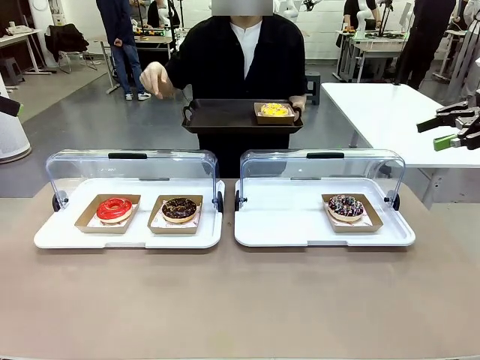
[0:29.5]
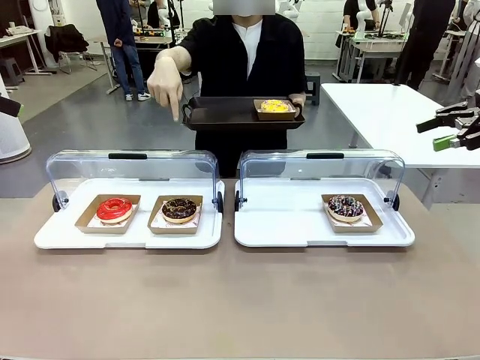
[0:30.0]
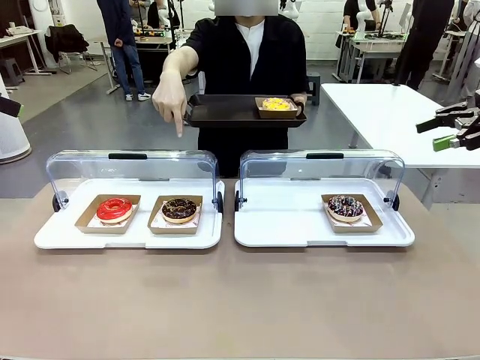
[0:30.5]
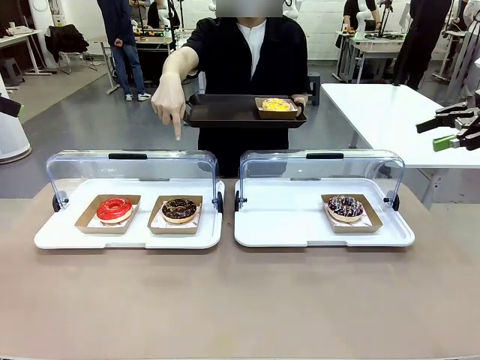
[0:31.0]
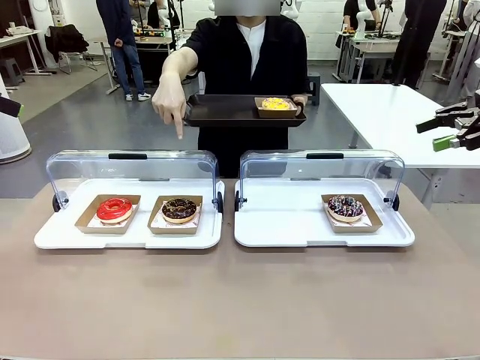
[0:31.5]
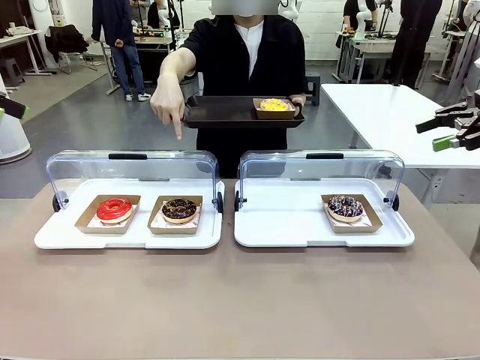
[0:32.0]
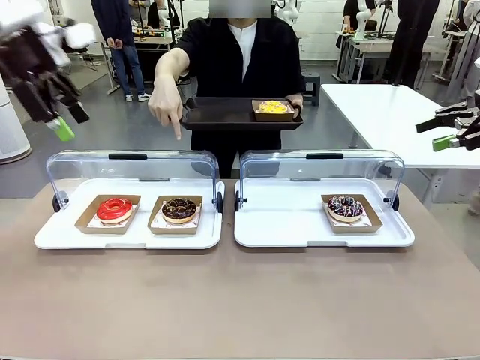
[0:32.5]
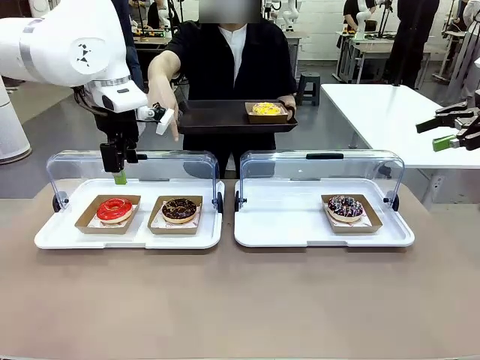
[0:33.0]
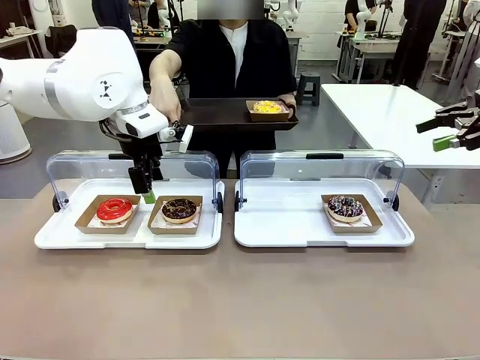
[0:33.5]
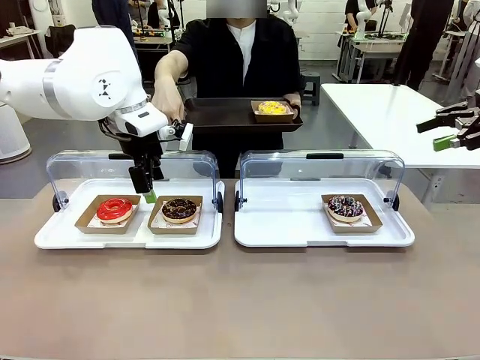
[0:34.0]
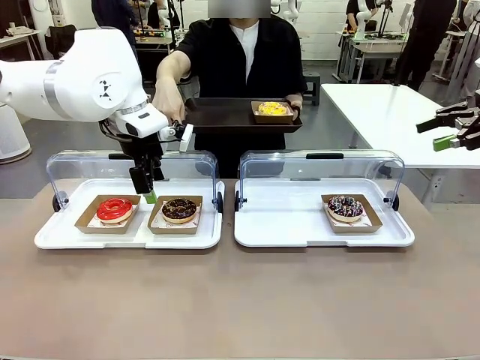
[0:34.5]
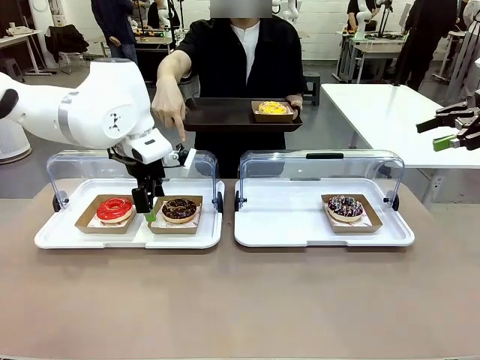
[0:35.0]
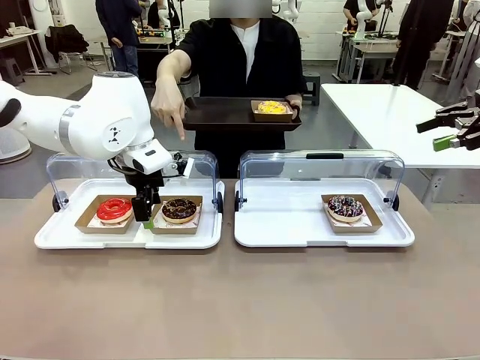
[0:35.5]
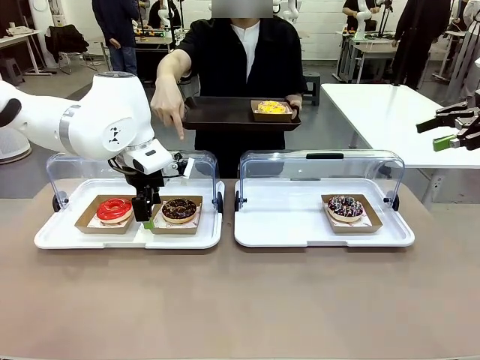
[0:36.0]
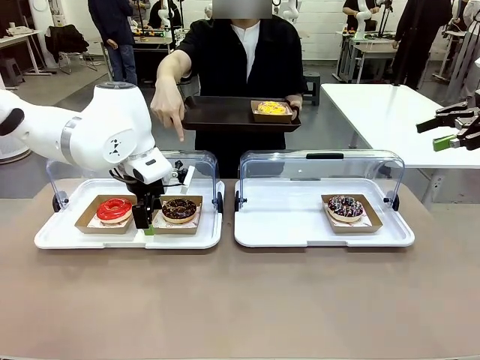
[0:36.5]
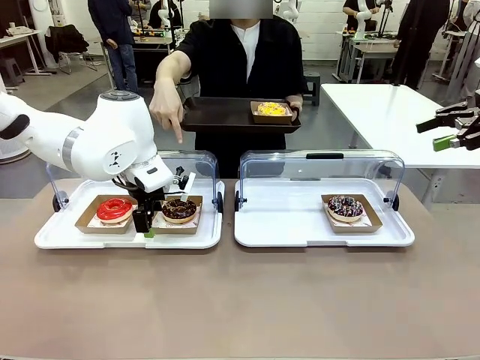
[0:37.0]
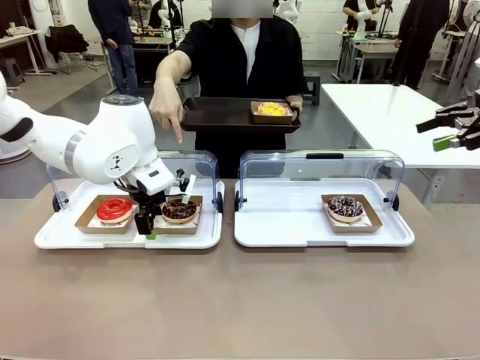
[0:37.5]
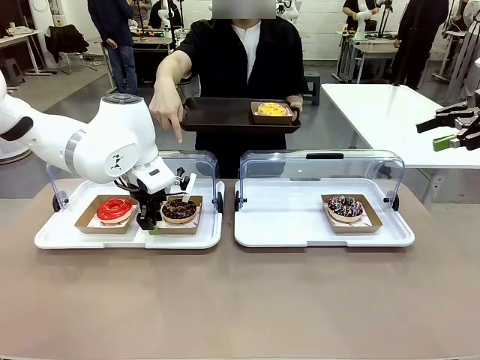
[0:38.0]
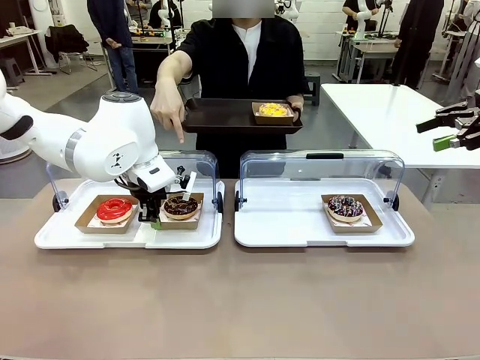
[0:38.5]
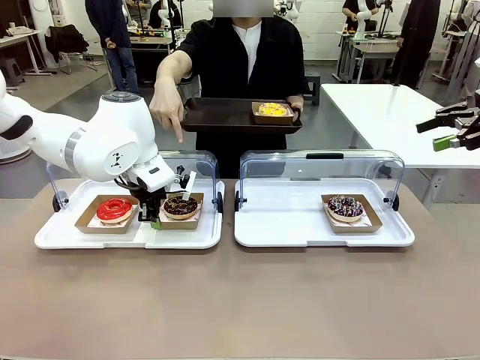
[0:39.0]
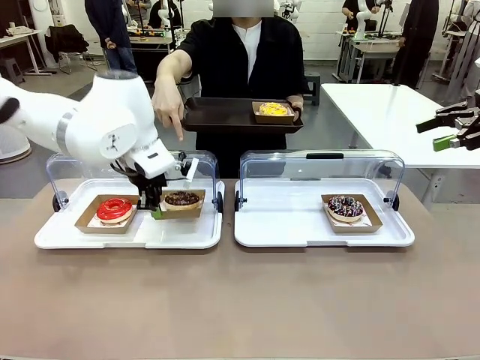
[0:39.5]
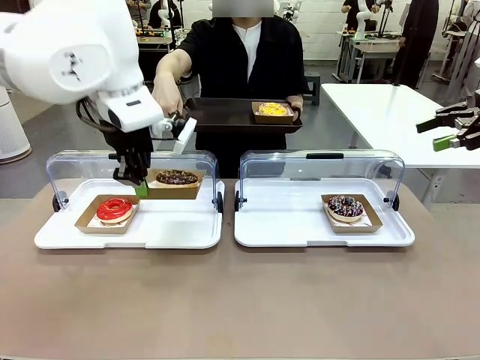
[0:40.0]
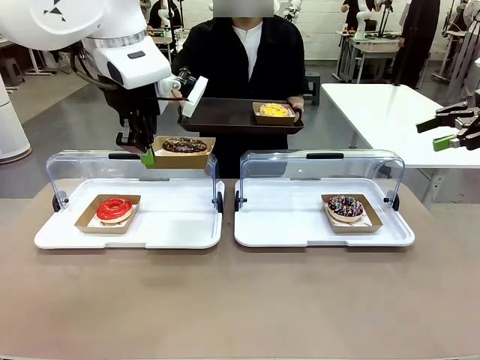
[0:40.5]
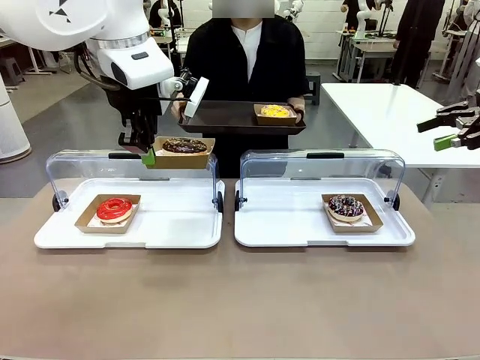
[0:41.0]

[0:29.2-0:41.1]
Task: Provide the desired donut to the person.
Robot: Pick up and lift the Paper togo box containing the Donut pointed at by the person.
Person: Point to one donut. Lift the tray onto the Roll-Top Bakery Case.

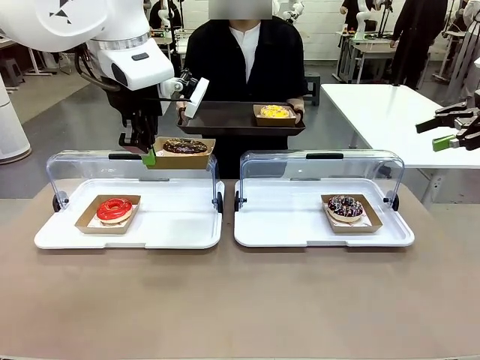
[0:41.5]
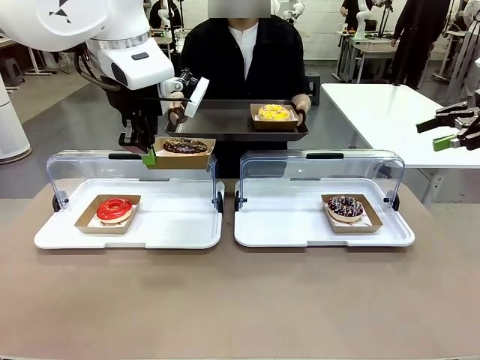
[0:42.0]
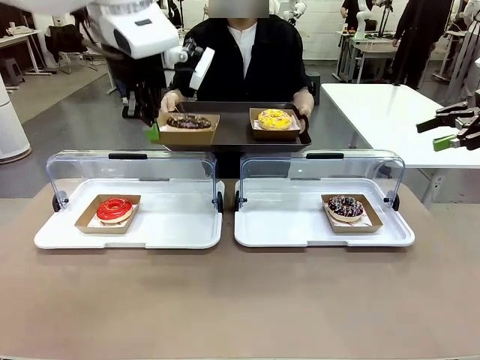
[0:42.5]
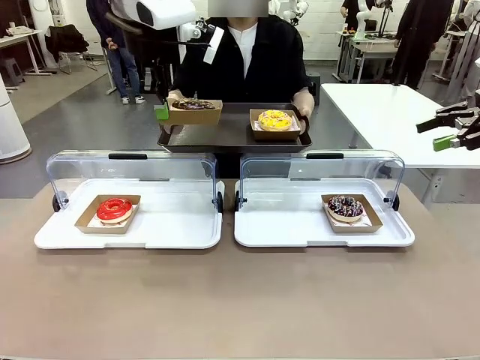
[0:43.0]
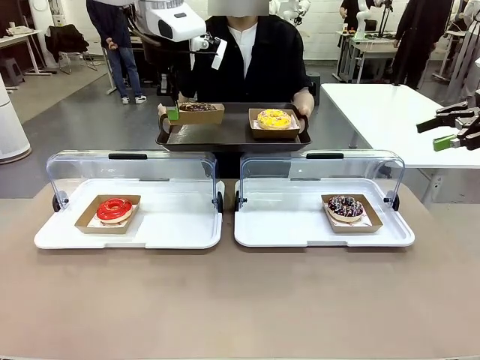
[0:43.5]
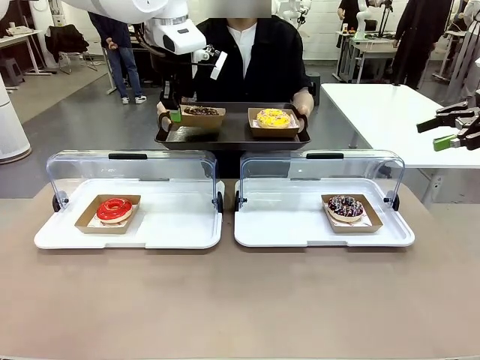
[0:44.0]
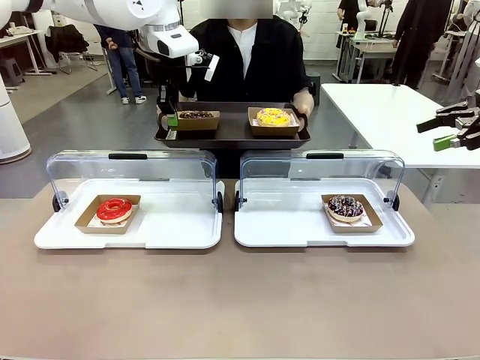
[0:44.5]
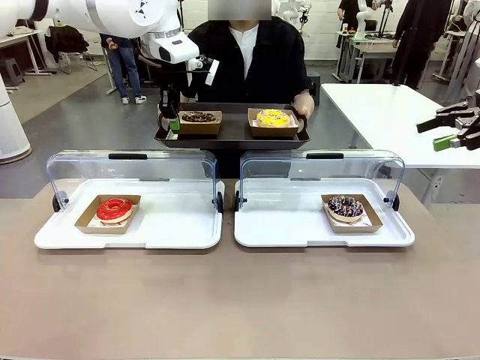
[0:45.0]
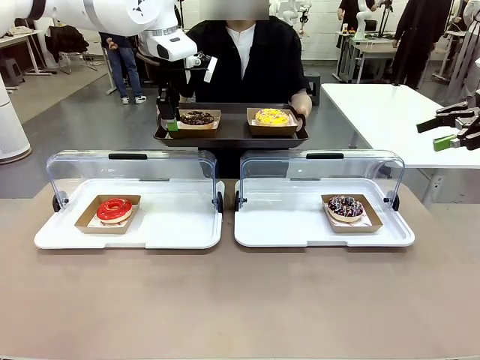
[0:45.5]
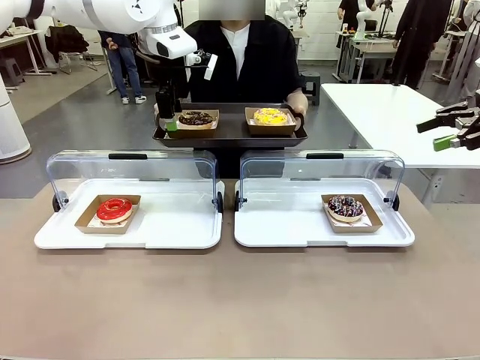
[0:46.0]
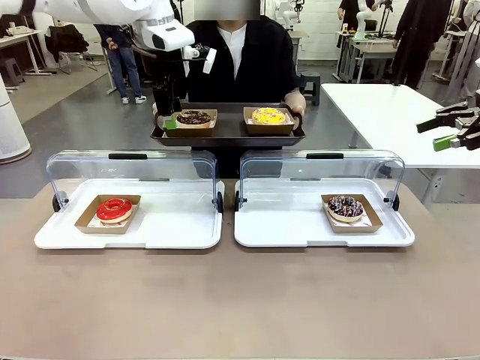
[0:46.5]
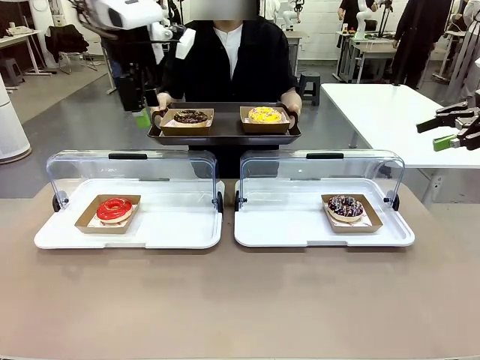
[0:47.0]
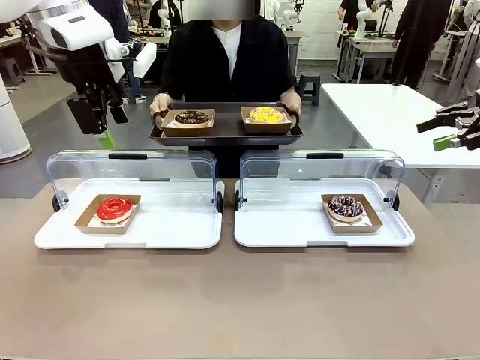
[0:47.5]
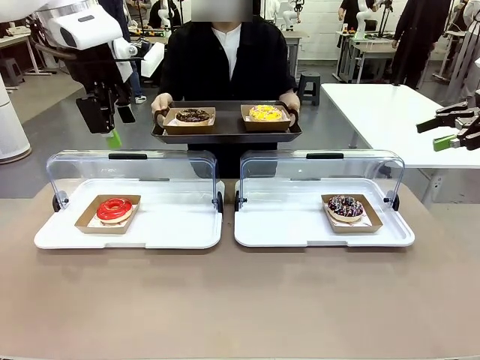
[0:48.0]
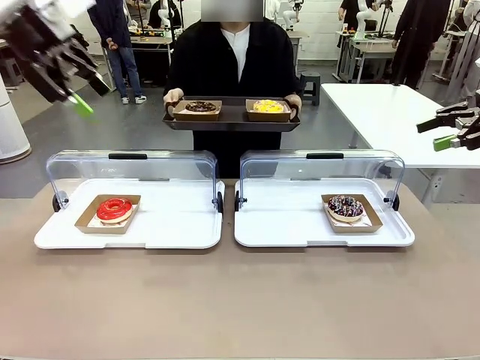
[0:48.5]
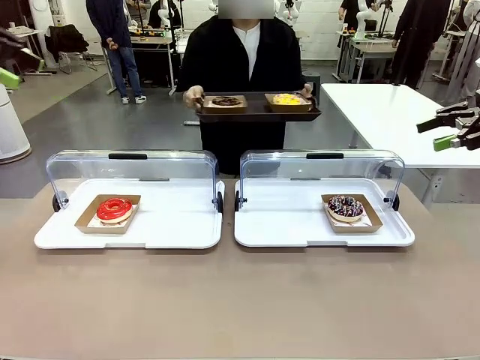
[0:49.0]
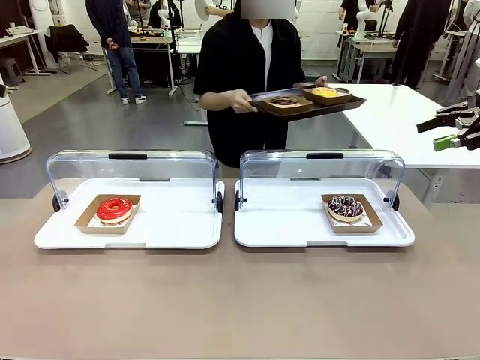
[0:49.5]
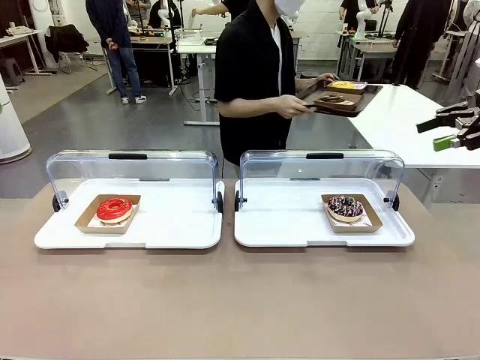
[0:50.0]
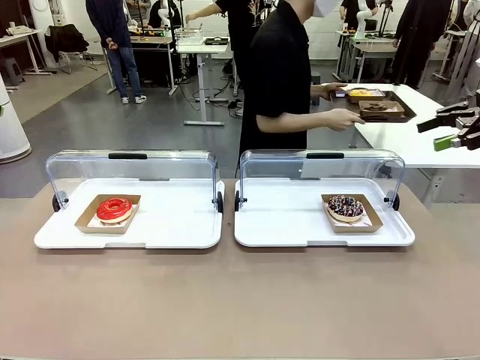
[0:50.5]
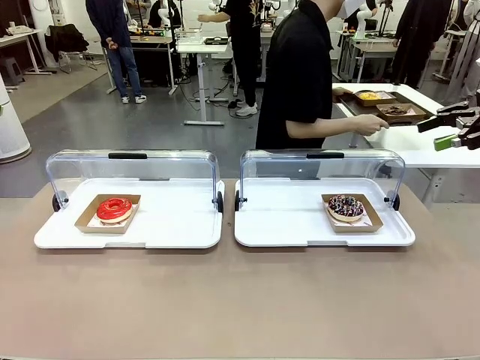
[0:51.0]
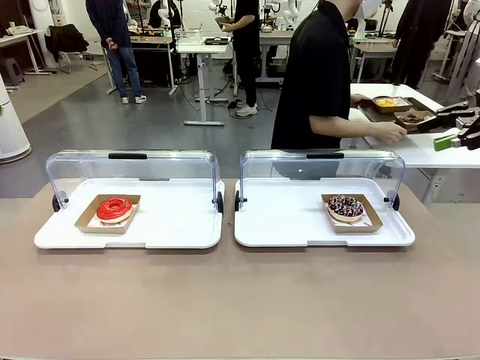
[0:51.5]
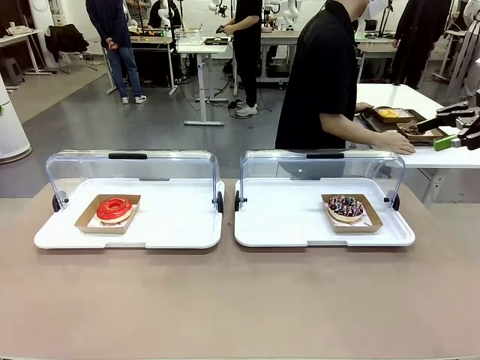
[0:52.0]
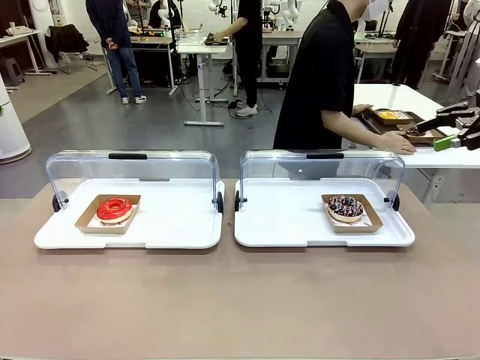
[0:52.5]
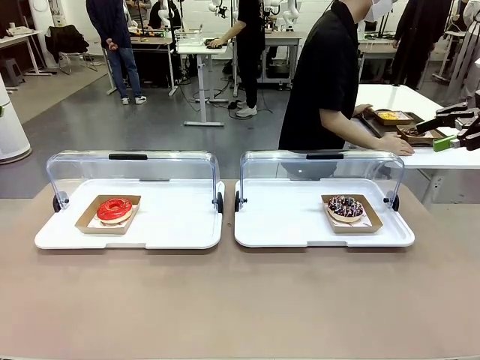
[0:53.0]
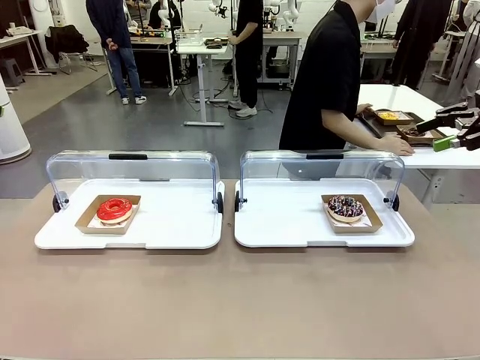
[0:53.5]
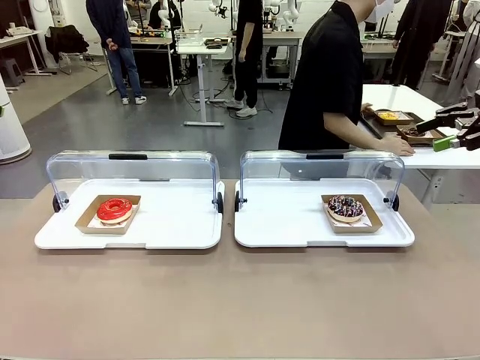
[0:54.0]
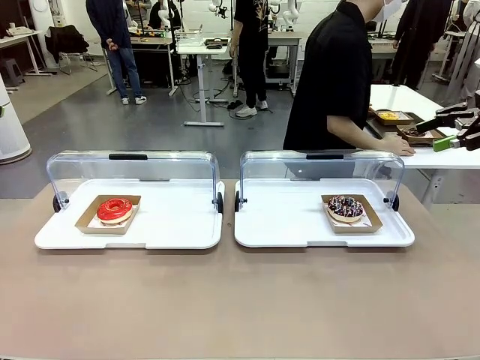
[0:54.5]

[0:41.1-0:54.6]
Robot: Place the picked Paper togo box onto the Handle tray extended by the person.
Person: Place the tray in the middle of the human table.
